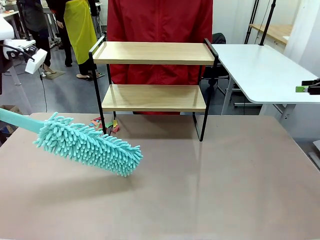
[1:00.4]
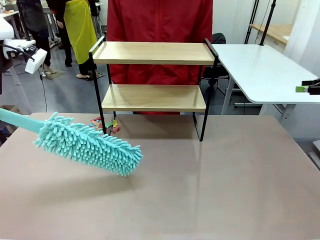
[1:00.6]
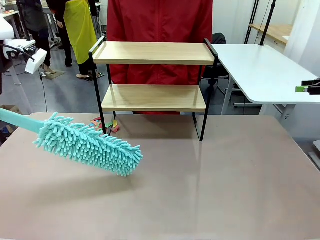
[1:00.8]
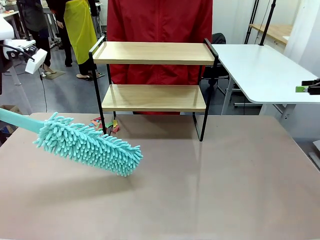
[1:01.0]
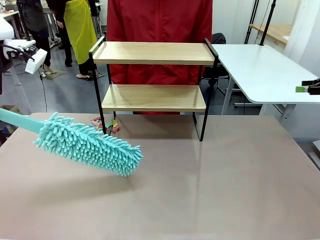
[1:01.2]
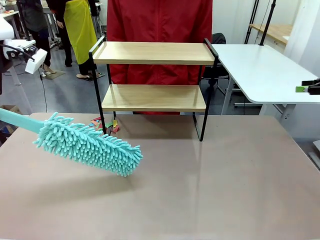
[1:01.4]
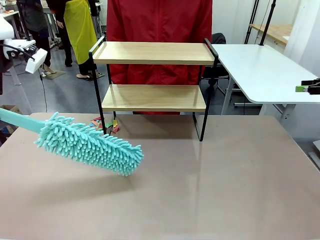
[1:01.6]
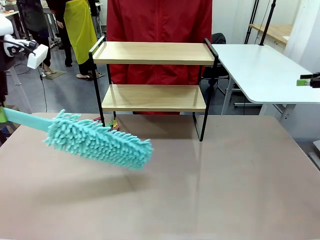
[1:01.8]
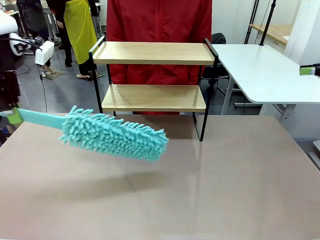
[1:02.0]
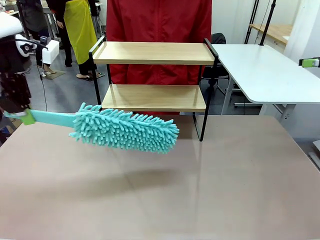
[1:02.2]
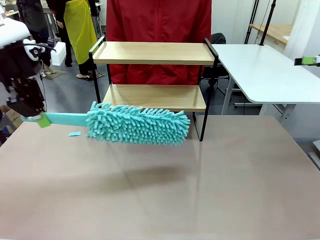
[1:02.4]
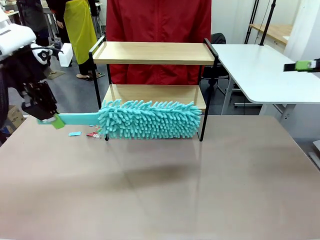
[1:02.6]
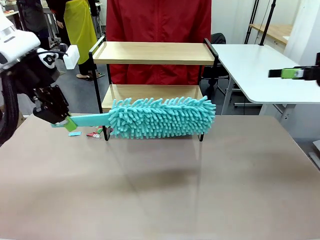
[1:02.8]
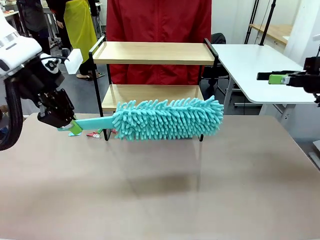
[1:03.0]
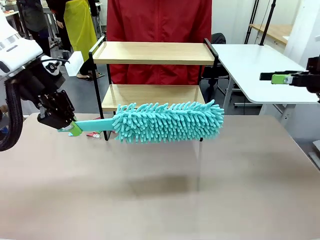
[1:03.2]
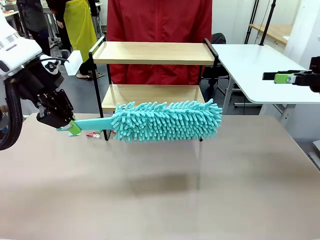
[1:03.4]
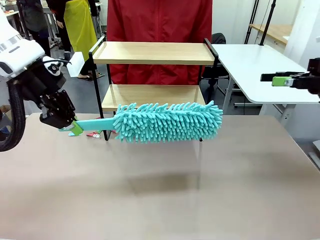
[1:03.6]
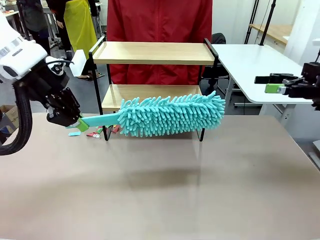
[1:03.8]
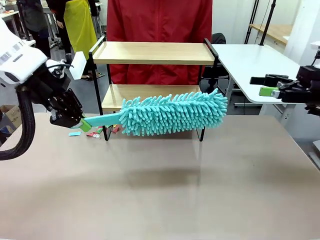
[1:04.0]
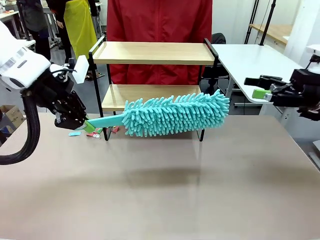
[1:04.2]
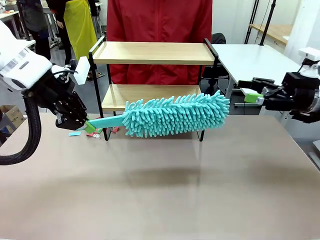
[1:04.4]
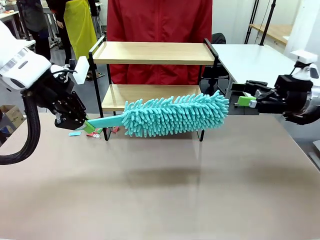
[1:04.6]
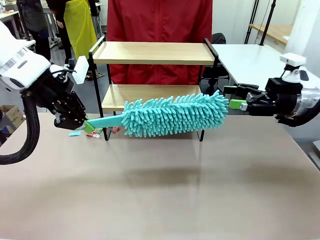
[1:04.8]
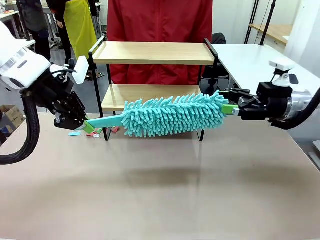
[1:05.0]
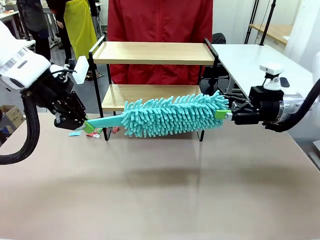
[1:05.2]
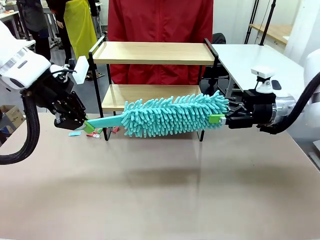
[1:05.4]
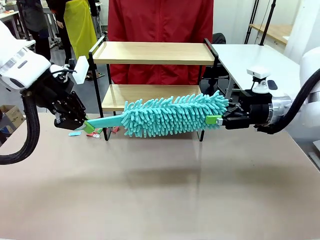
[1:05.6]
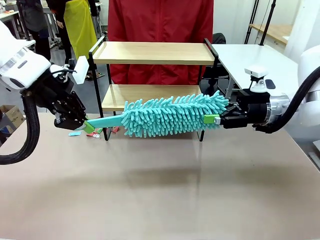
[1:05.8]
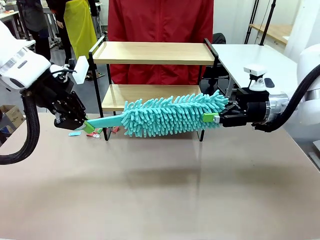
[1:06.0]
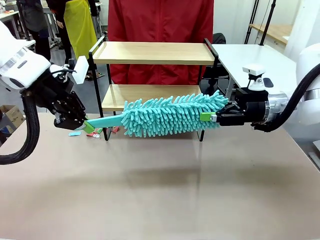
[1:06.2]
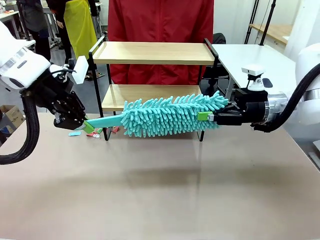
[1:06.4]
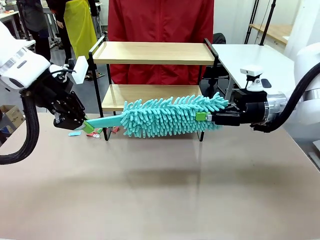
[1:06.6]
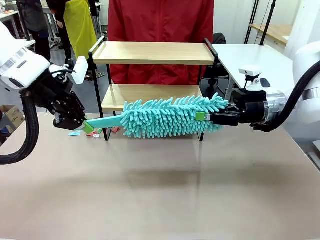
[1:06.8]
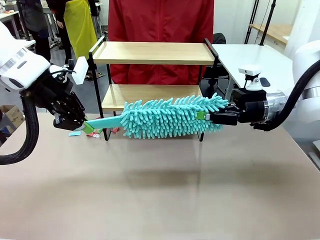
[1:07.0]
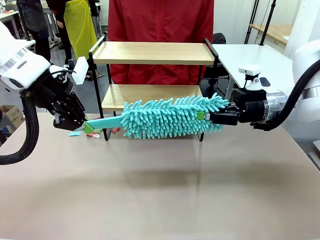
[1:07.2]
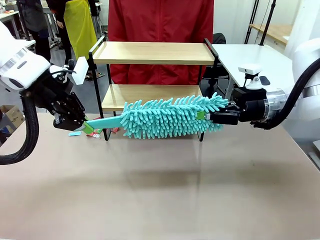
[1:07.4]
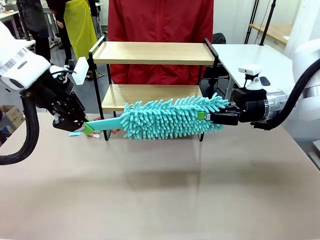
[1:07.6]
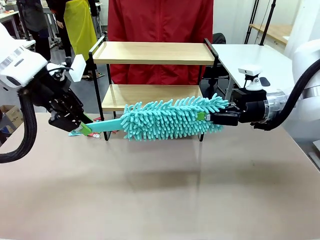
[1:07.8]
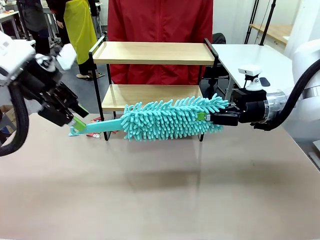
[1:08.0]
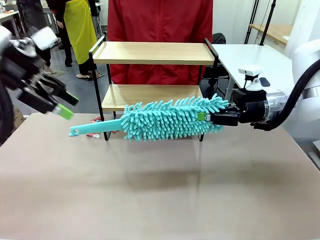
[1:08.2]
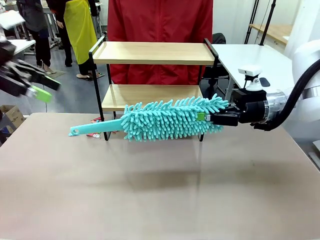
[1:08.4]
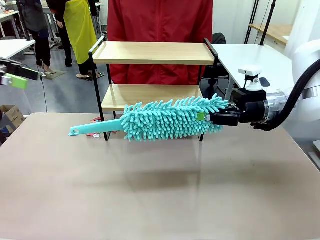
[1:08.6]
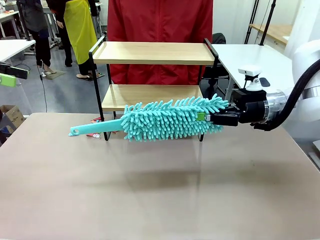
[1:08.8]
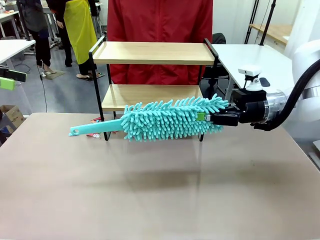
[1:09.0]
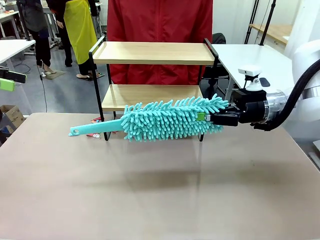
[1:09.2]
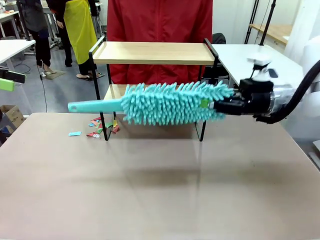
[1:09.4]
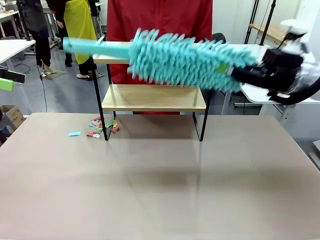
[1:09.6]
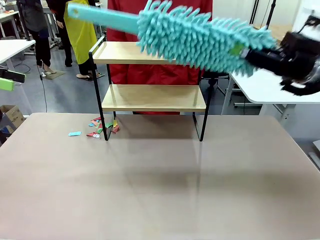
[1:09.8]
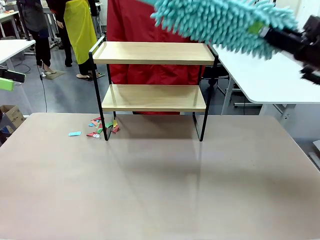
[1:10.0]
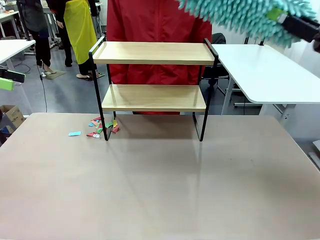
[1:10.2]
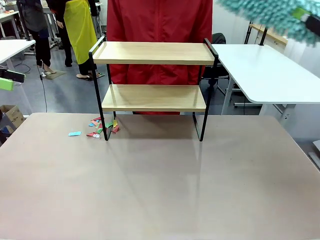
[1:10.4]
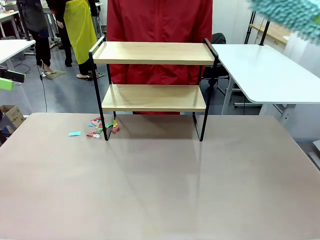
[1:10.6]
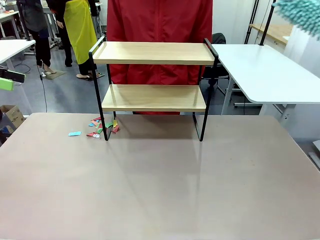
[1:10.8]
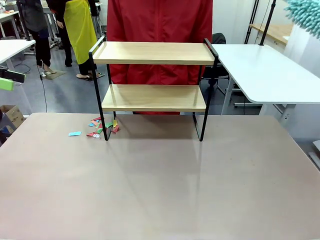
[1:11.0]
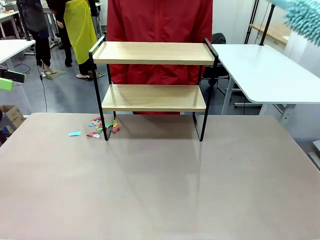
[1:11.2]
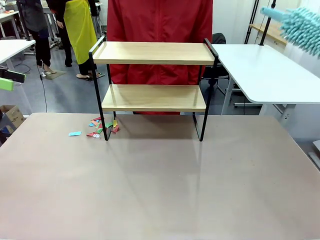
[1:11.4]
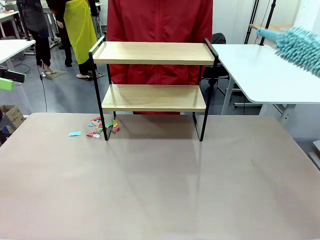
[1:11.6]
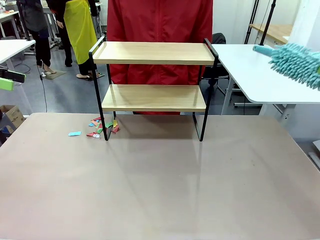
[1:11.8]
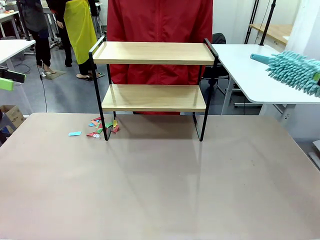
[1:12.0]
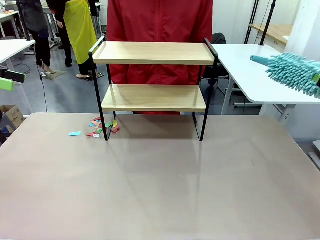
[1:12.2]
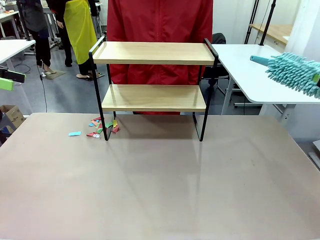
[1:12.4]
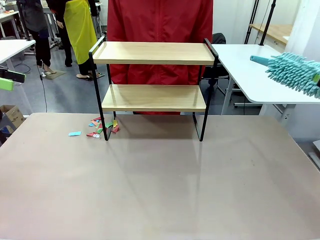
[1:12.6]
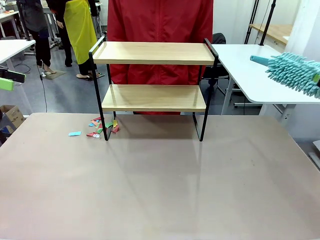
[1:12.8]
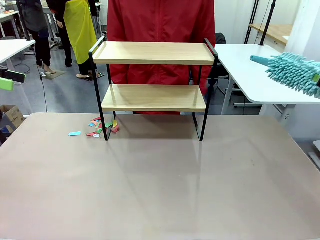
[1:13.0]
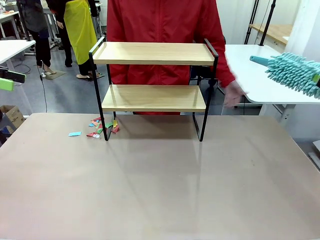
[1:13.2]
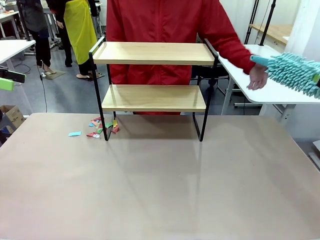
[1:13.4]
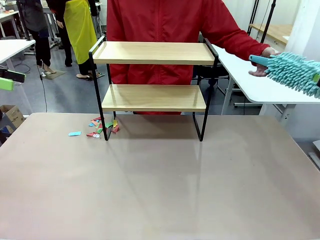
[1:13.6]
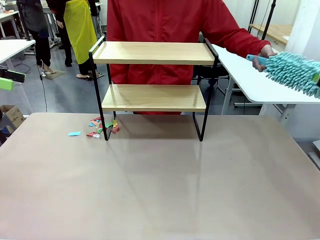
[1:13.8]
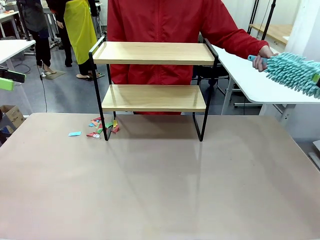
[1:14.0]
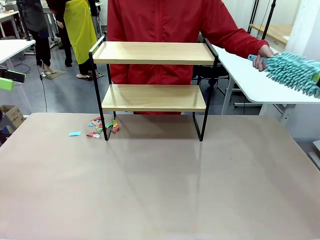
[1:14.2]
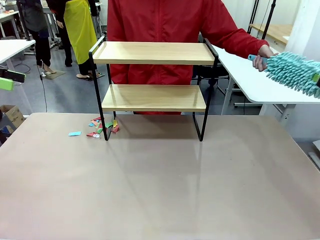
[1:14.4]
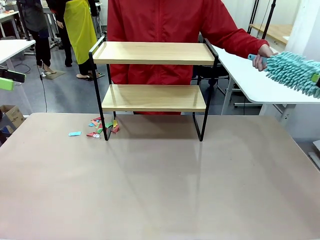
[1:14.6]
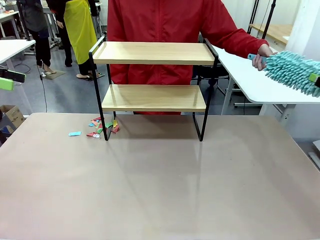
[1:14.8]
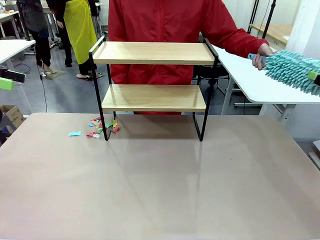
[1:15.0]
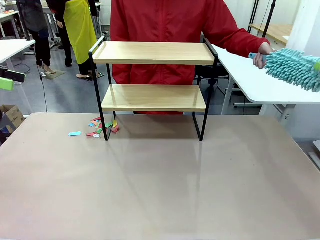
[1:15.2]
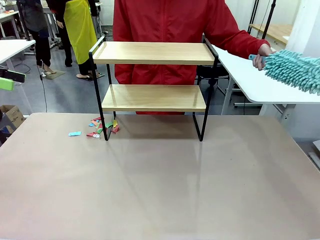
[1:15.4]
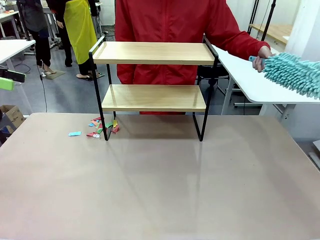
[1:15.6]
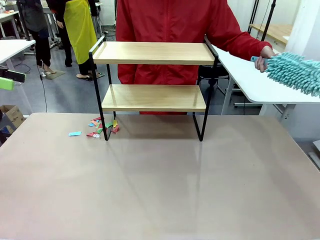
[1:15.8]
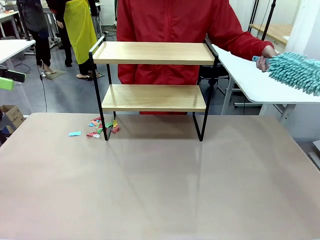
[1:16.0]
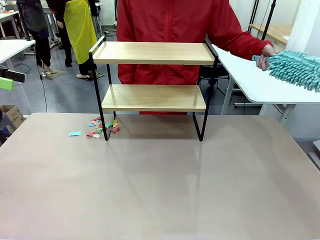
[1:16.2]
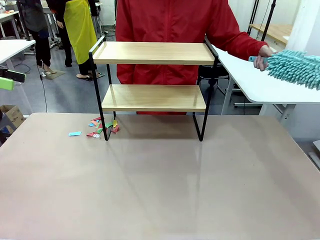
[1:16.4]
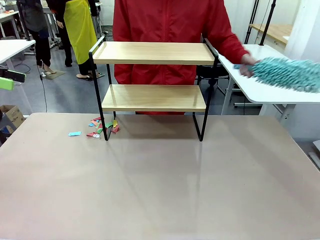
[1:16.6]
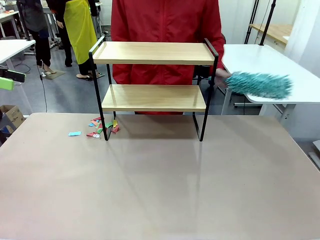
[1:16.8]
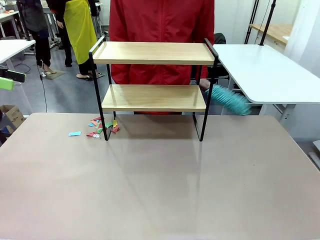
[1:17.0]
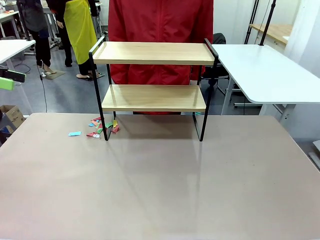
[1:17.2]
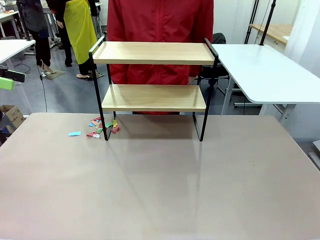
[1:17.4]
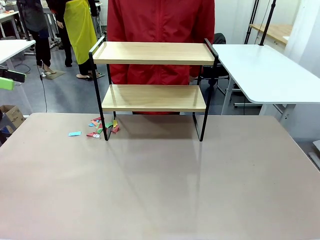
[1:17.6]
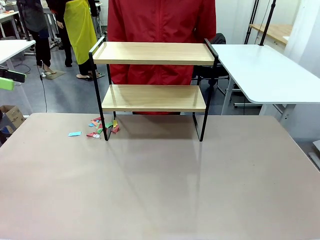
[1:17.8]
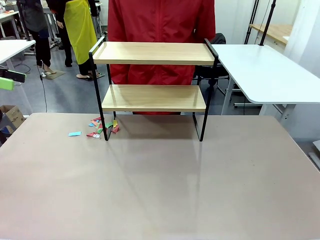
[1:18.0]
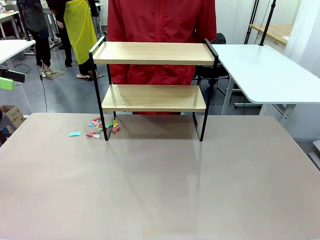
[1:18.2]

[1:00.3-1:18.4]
Task: Clean the shelf.
Robot: Hand the Duster back to the human.
Person: Receive the Duster from the robot.
